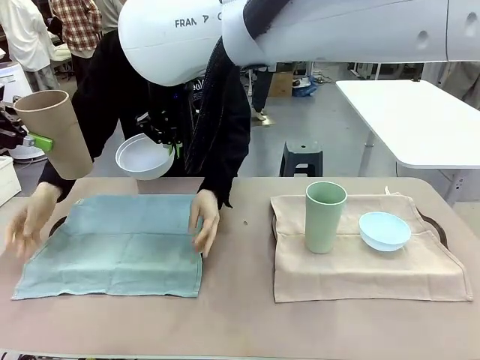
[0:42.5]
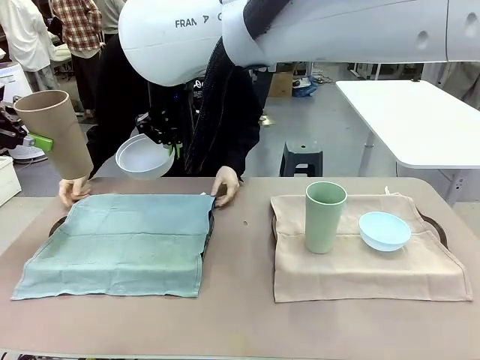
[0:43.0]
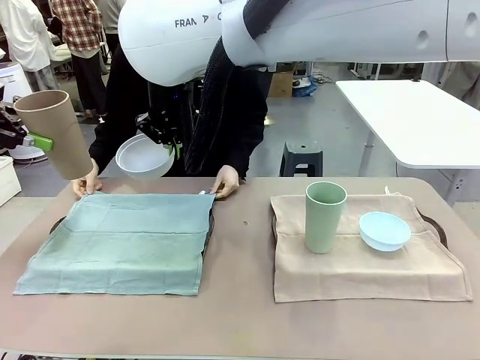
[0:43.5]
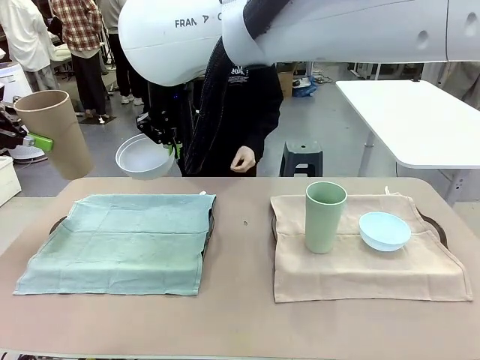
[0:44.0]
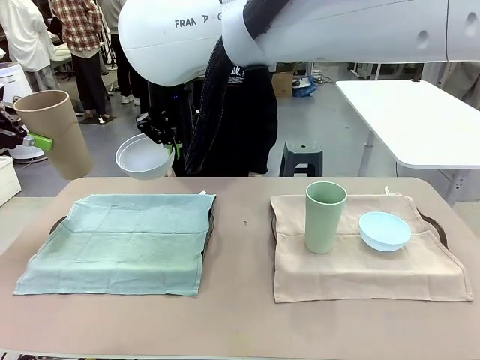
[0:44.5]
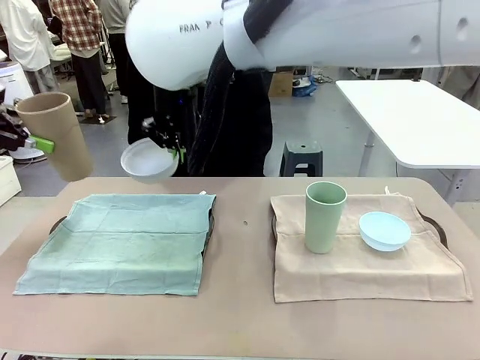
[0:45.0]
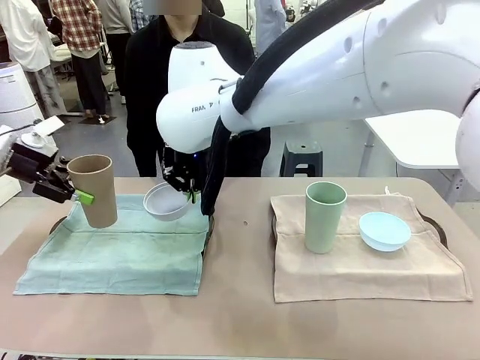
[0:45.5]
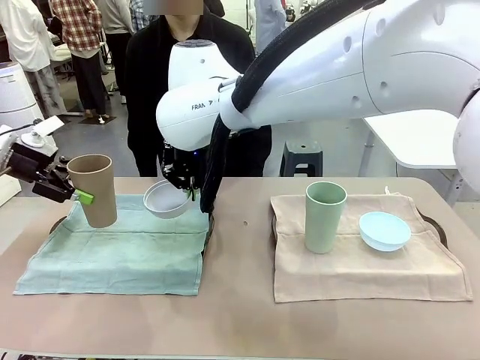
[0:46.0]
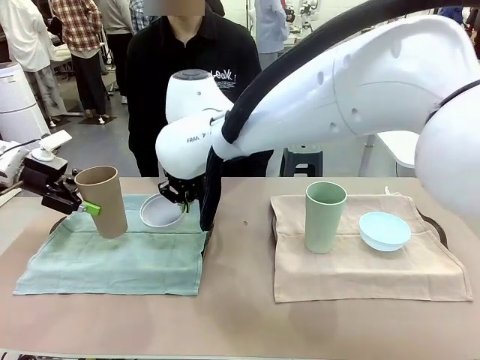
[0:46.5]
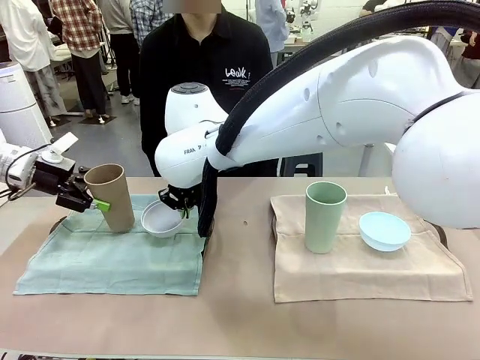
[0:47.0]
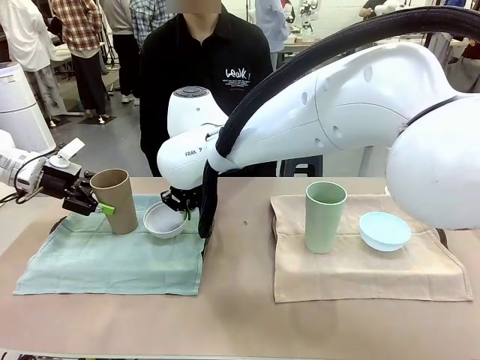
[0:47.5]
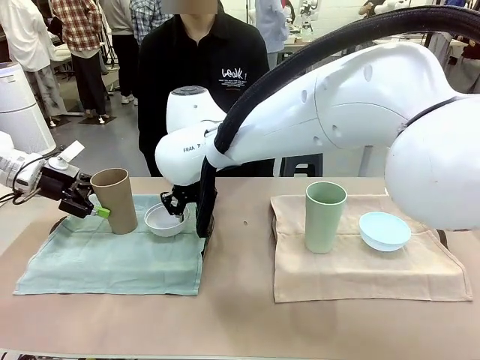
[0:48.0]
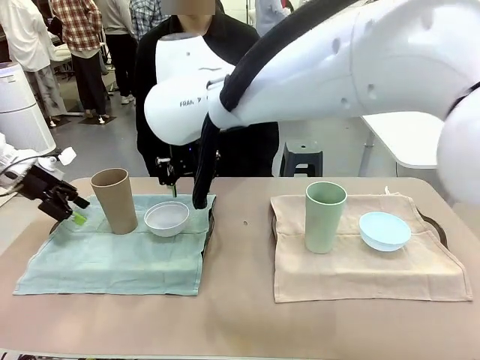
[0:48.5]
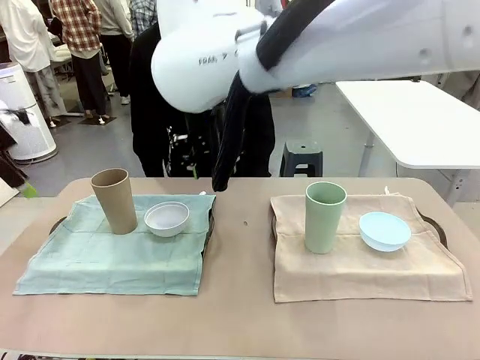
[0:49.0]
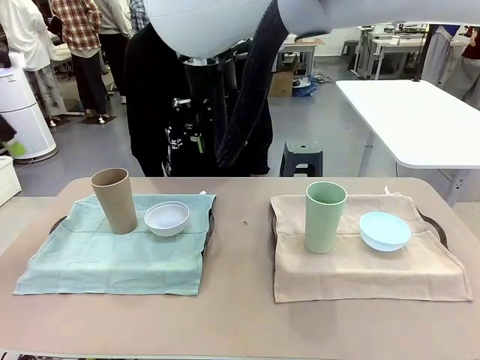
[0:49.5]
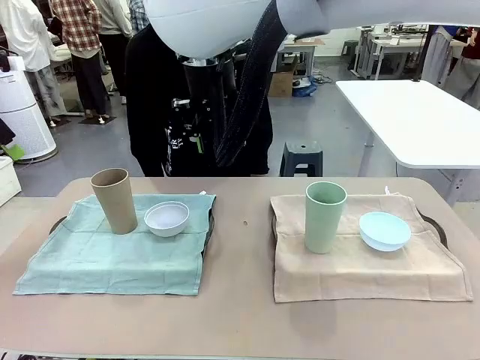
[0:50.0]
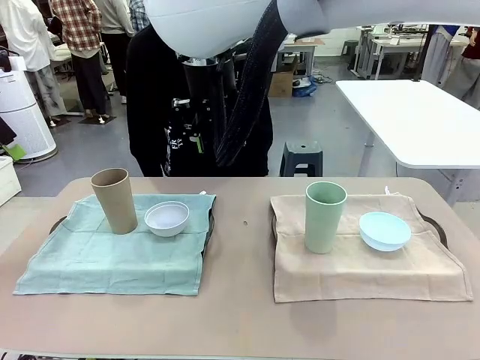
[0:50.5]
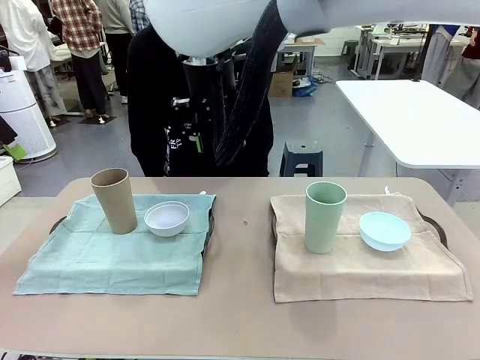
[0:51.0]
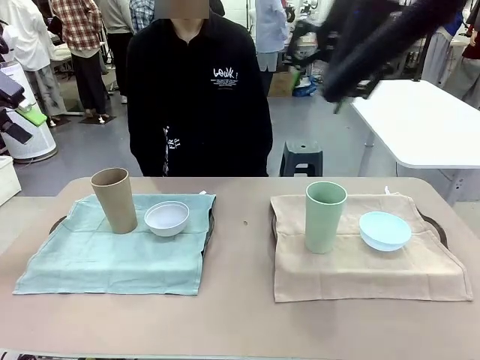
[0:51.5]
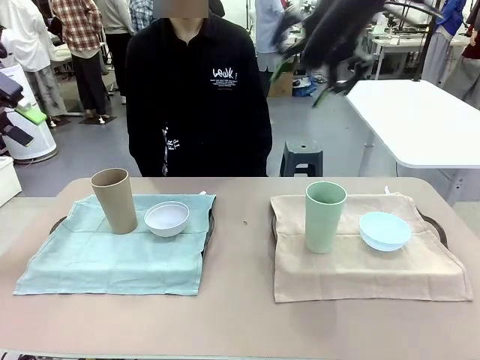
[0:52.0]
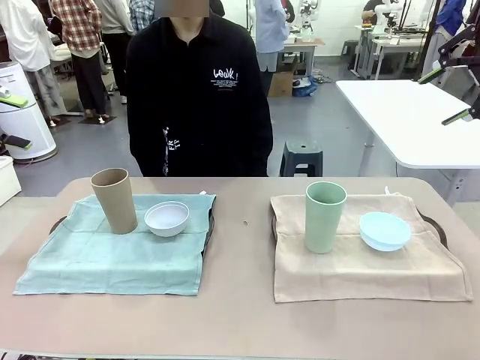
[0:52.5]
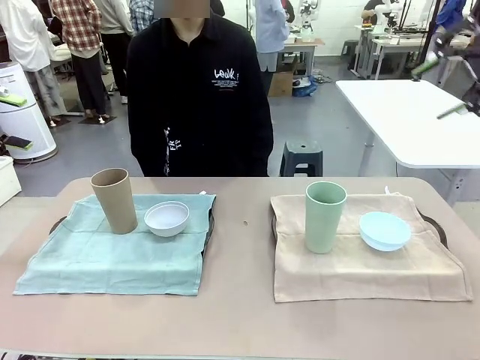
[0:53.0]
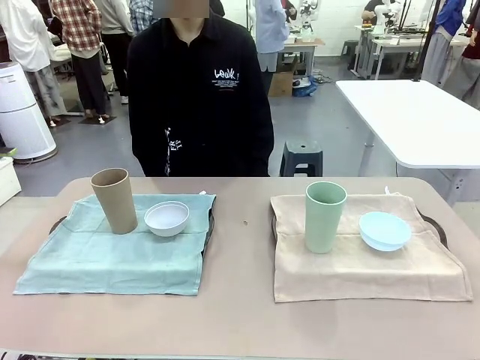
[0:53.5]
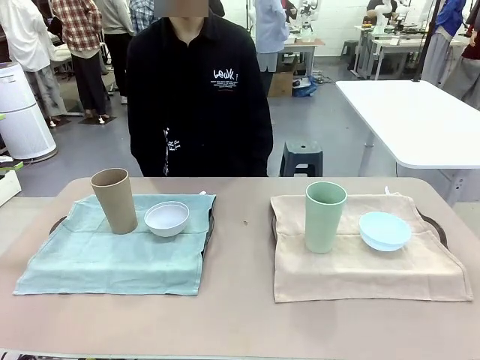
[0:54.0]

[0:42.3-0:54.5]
Robot: Place the Picnic Bowl and Reusable plastic cup back onto the Handle tray in front of the human's position.

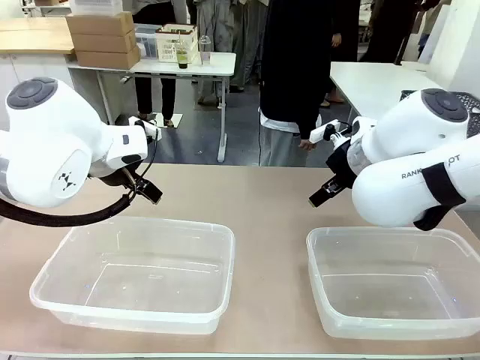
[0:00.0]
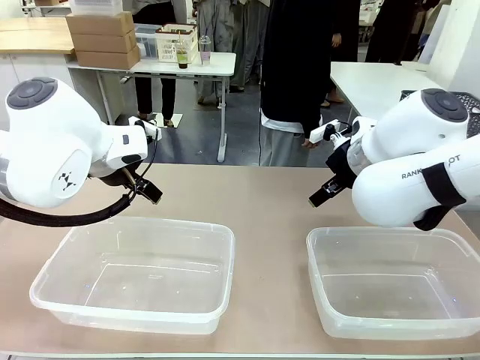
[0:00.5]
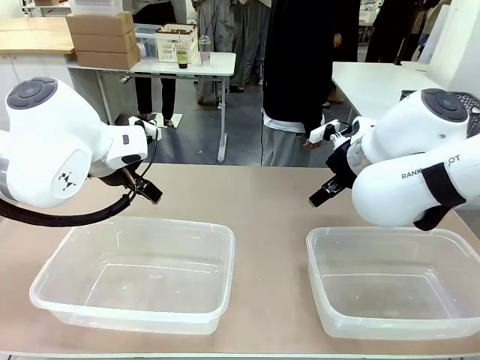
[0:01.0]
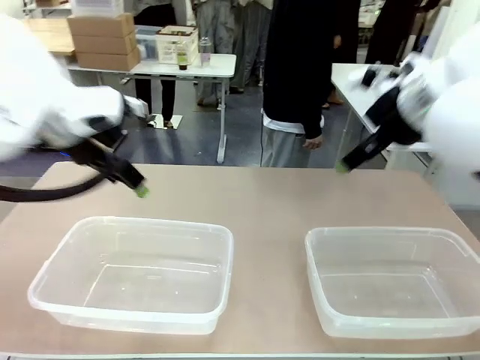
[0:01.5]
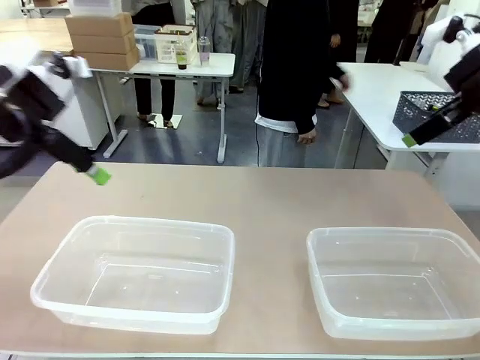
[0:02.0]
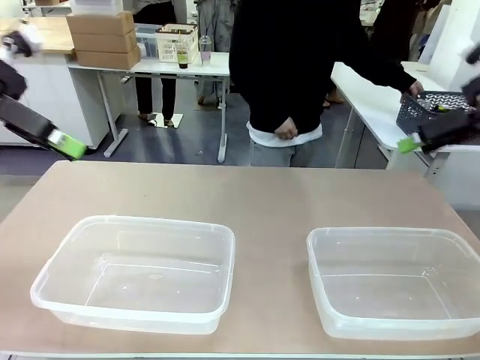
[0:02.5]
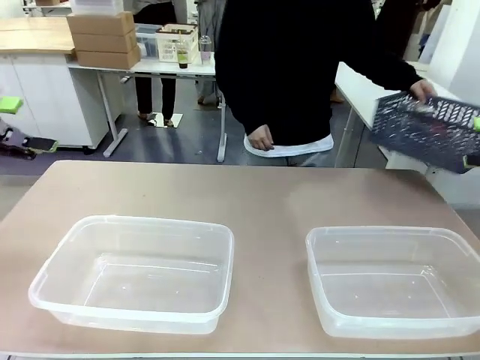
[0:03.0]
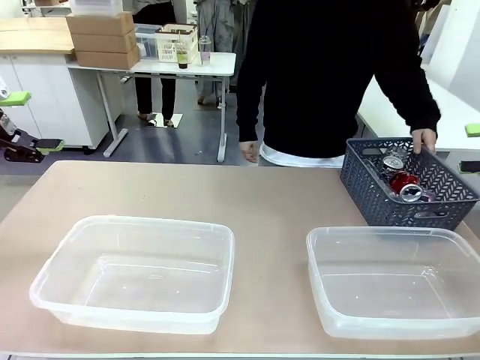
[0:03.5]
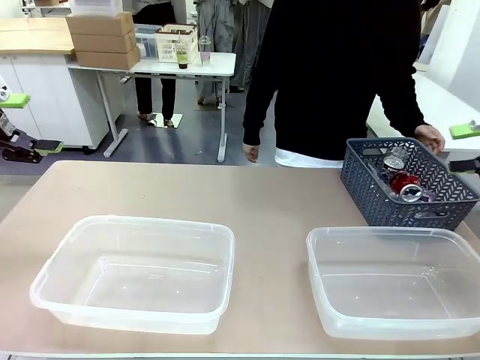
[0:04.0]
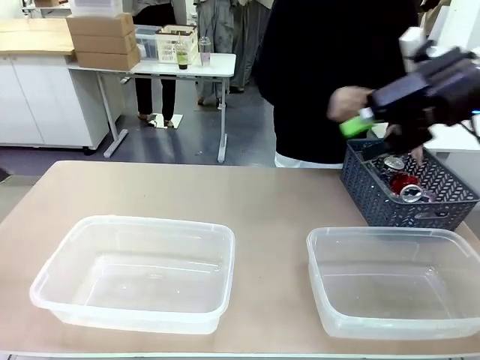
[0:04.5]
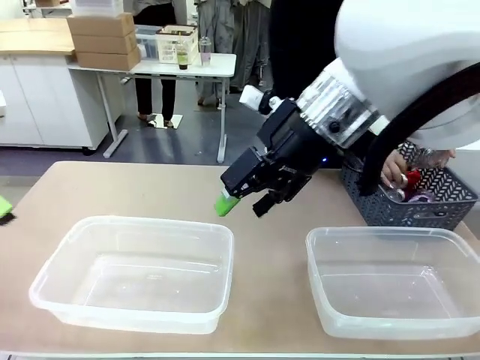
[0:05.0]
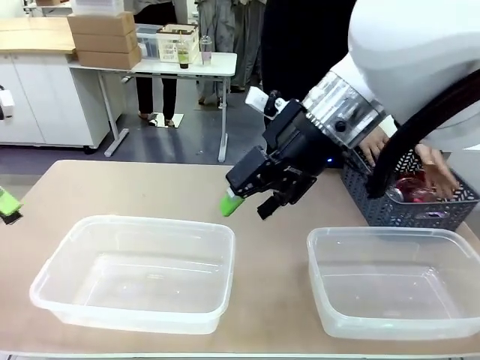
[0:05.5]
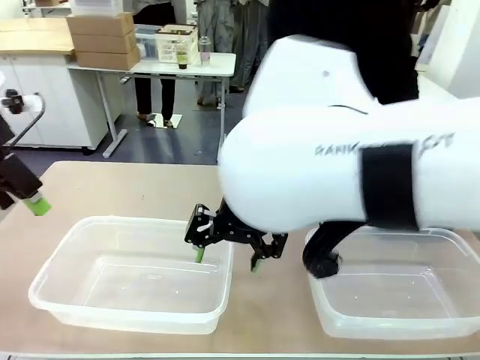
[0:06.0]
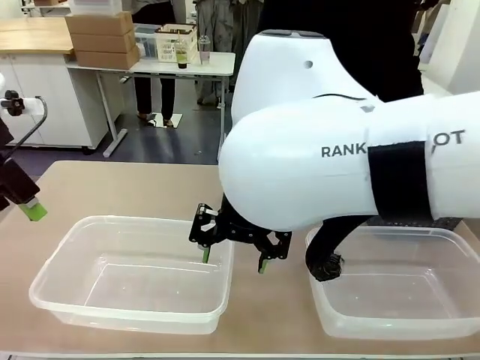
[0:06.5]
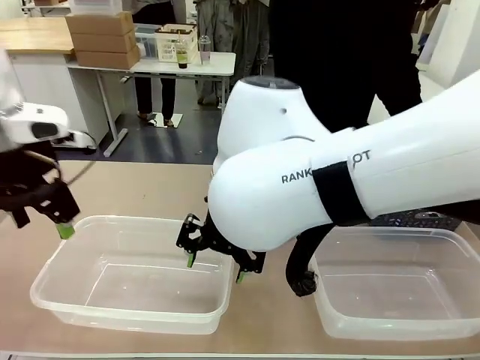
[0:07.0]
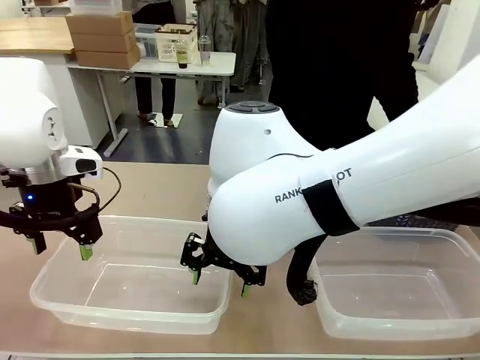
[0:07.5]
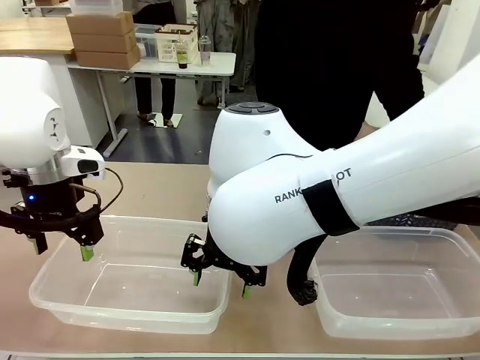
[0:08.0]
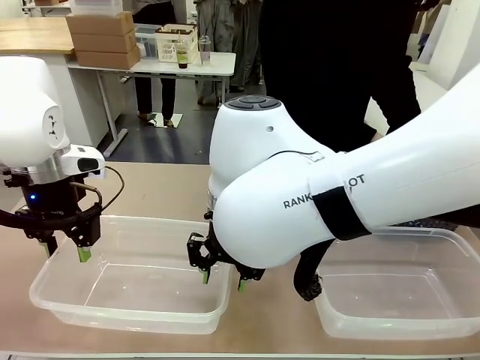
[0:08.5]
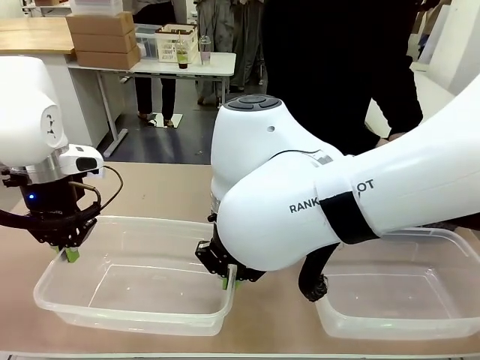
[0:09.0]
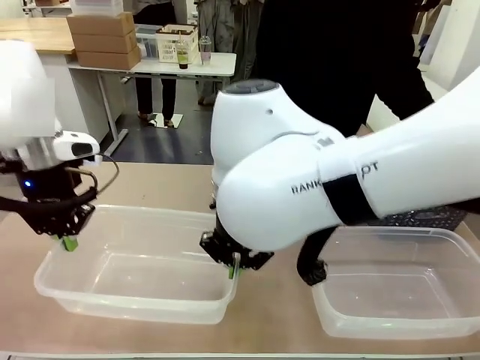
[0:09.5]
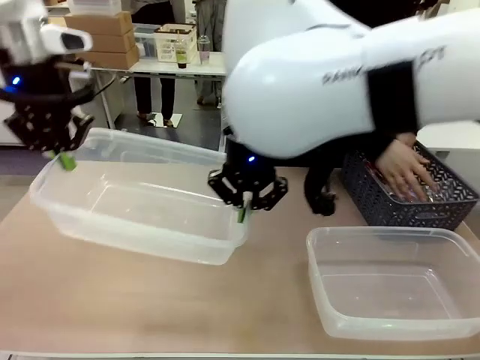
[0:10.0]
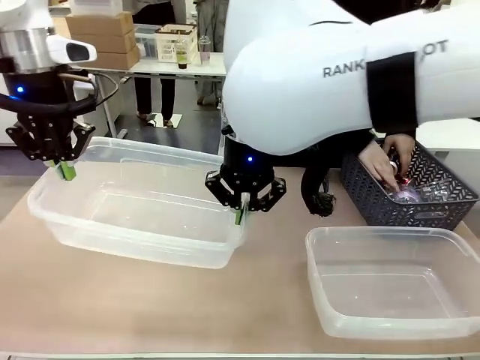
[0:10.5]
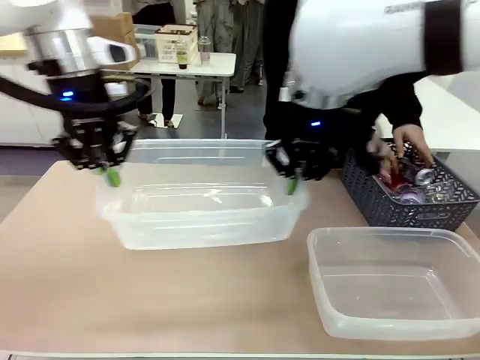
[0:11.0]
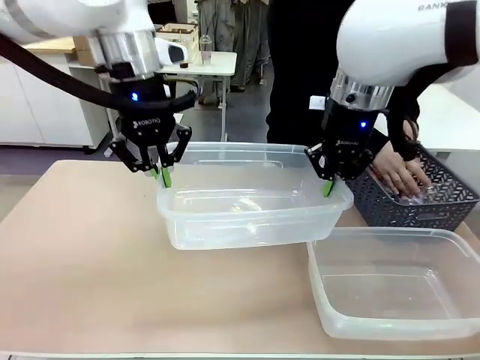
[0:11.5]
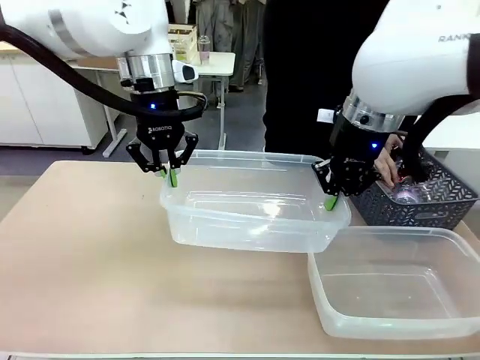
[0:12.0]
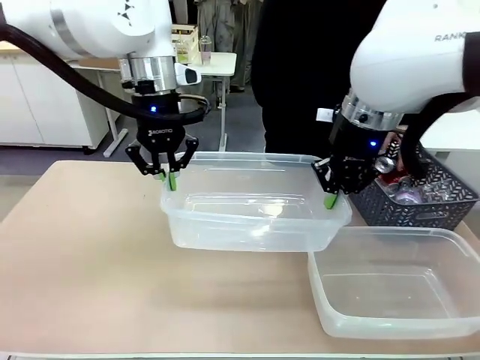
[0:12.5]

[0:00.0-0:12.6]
Robot: Pick up the Organizing box on the left side of the table and lift it.
Person: Pick up the storage basket and place it on the left side of the robot table. Pick up can-shaped waste one by one and place it into the organizing box lifted by the robot.
